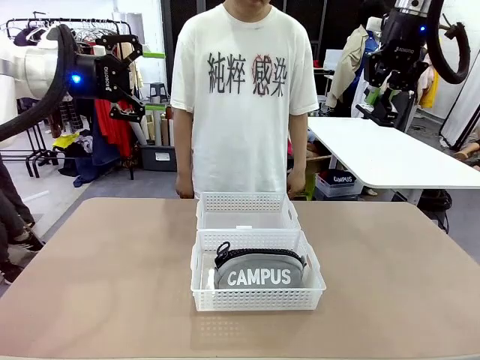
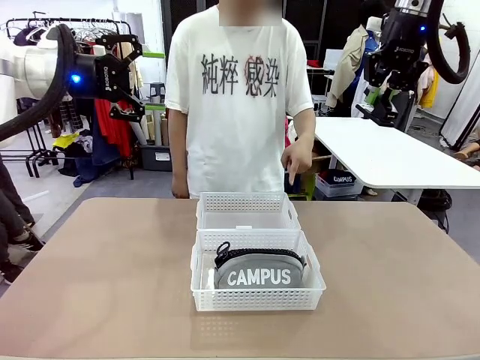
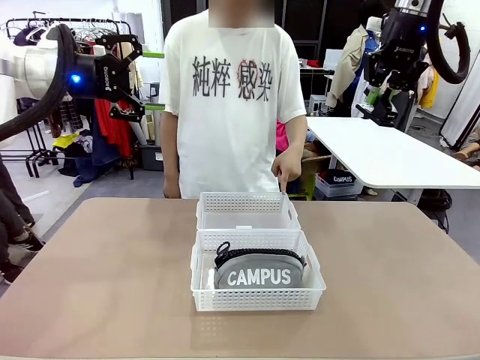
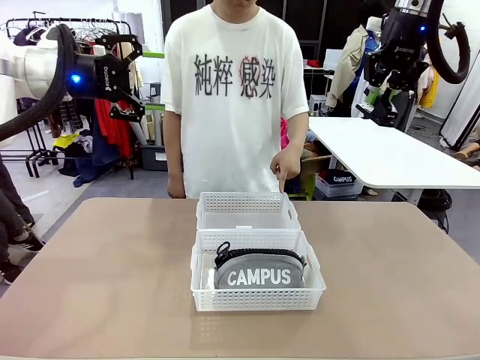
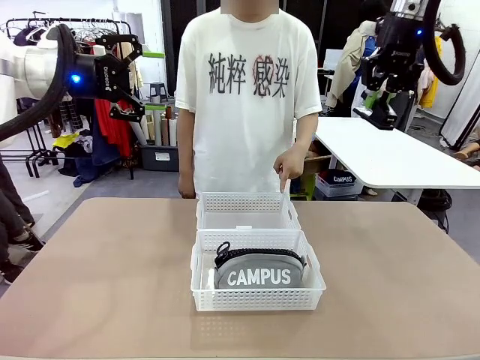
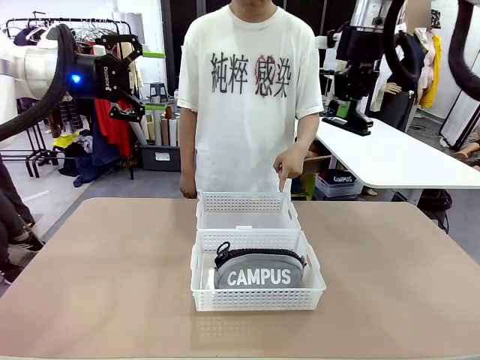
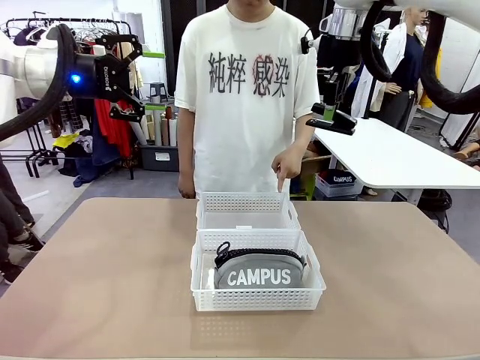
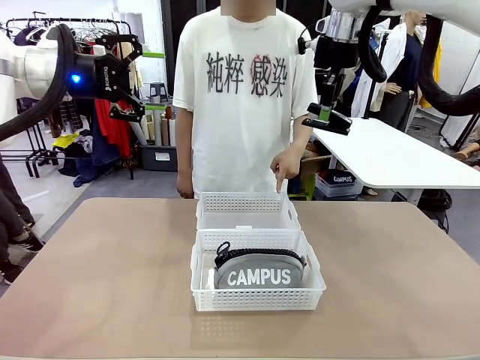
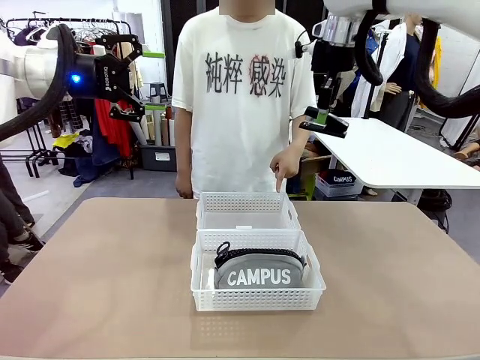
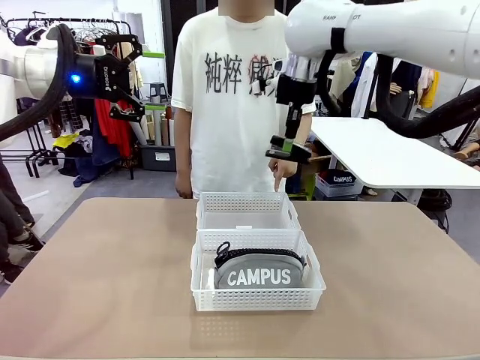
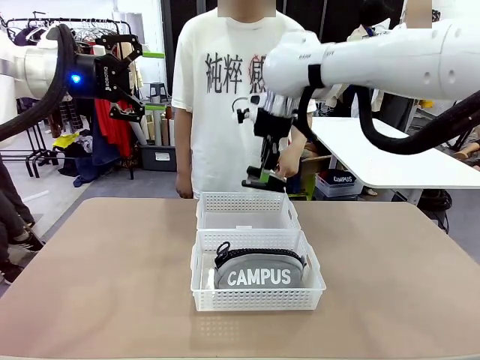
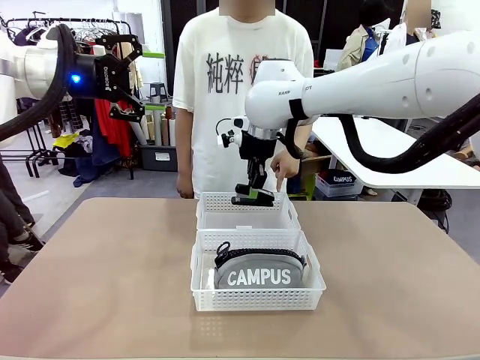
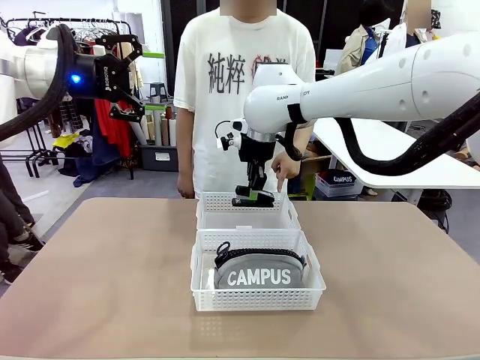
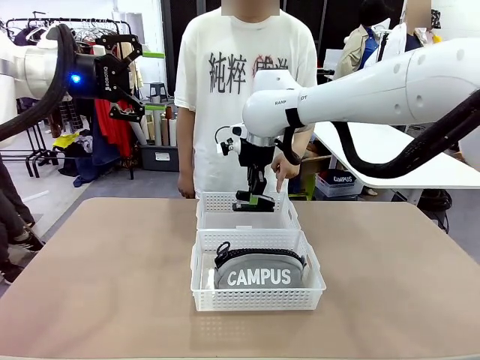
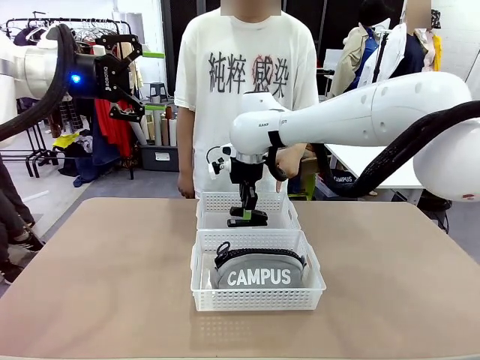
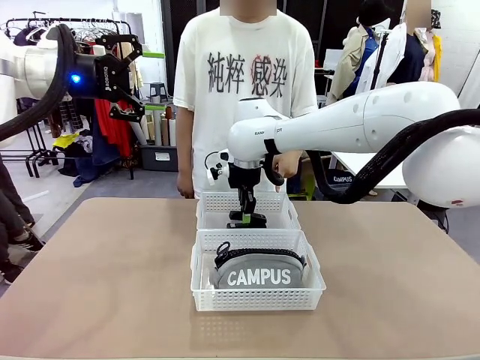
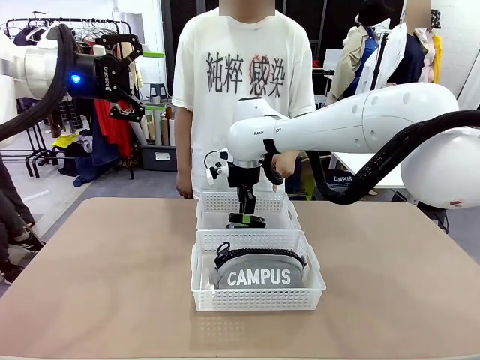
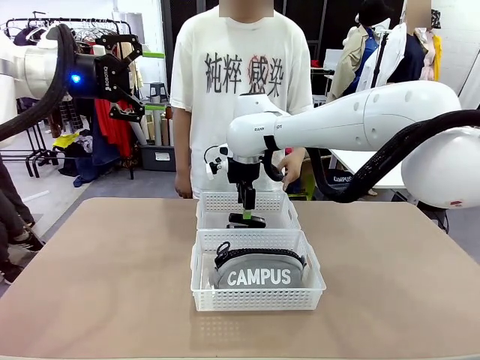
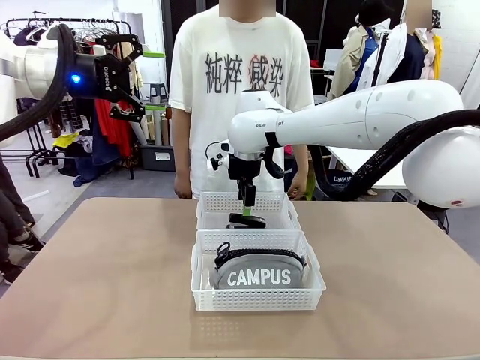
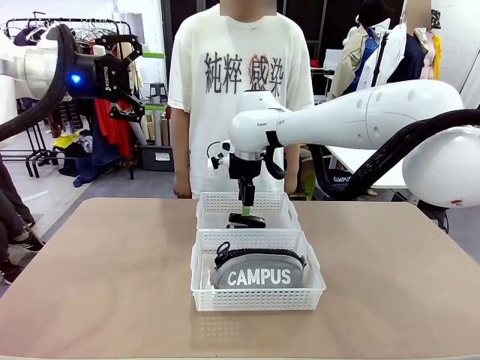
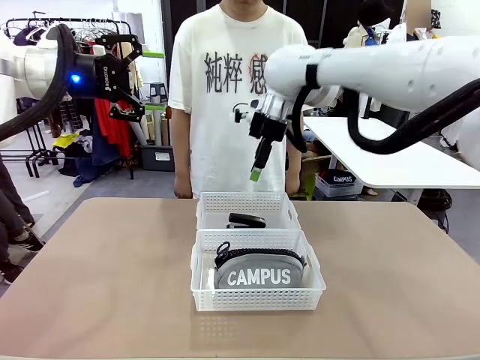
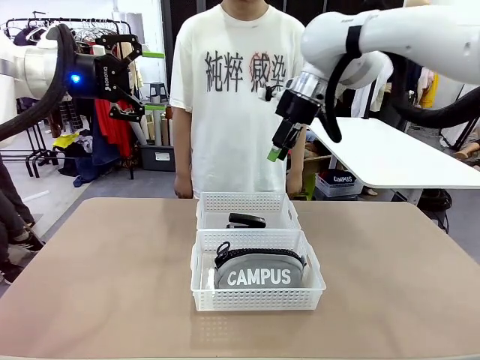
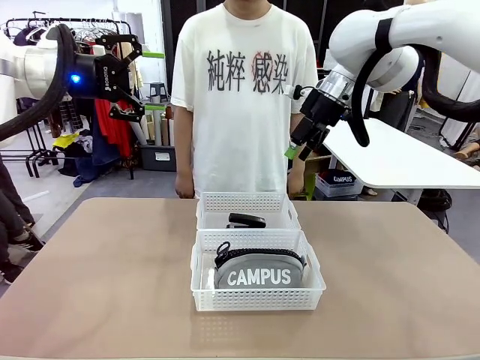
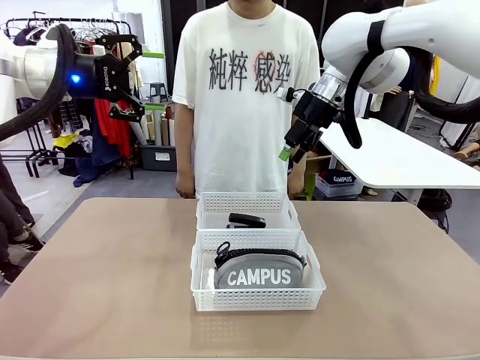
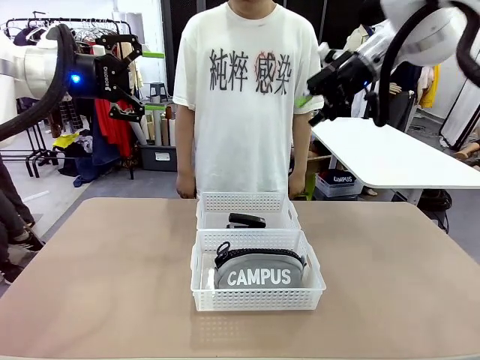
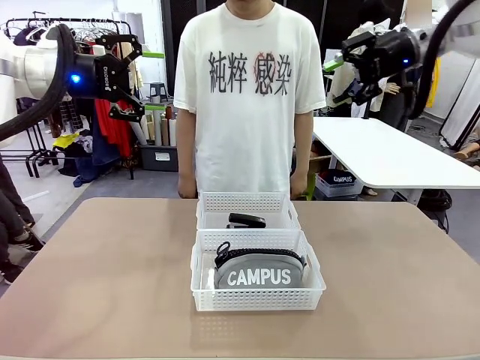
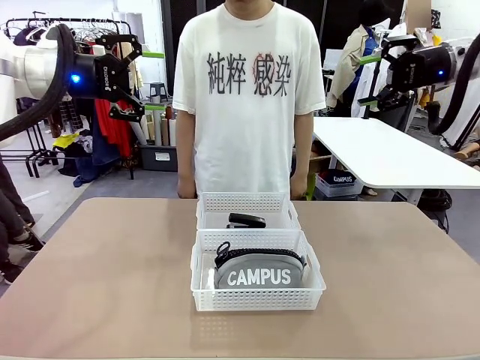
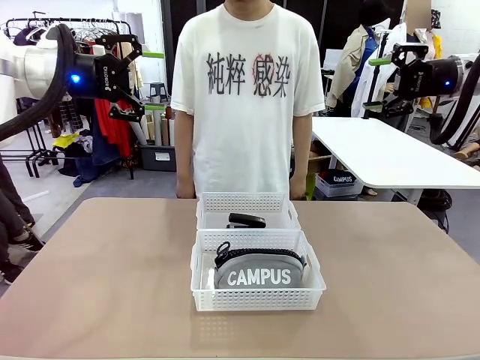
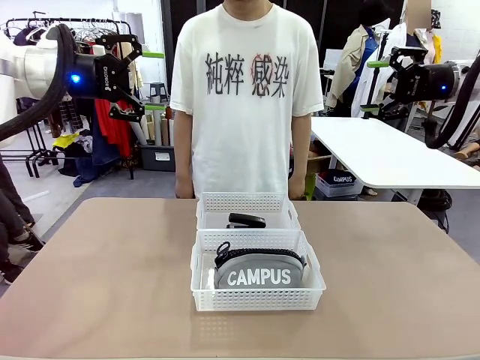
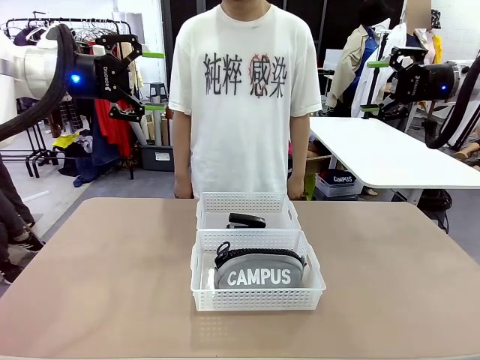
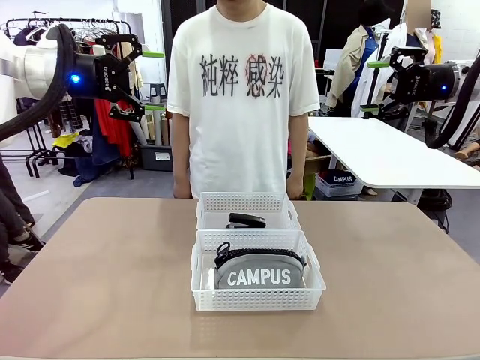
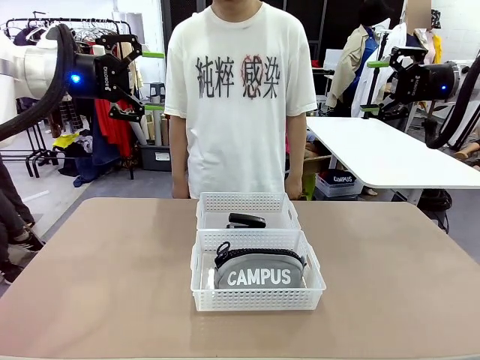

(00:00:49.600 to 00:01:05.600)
Task: Distribute items into two baskets.
Robot: Place the picked Stapler into the Organizing basket as instructed by the person.
Person: Points to the basket that does not contain the pencil case and instructs the robot to move the stapler there.
